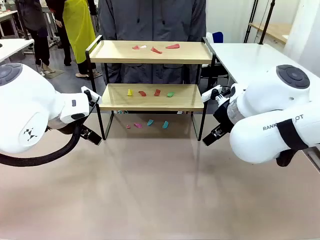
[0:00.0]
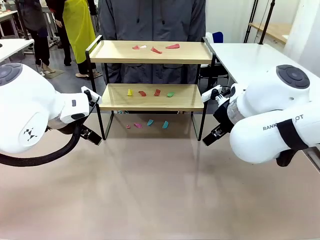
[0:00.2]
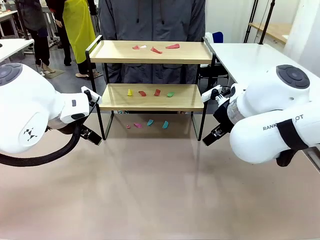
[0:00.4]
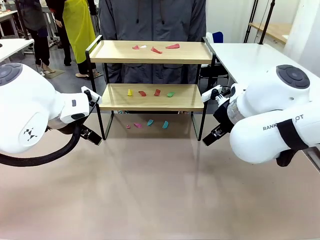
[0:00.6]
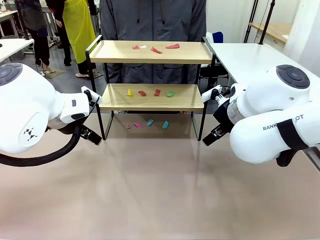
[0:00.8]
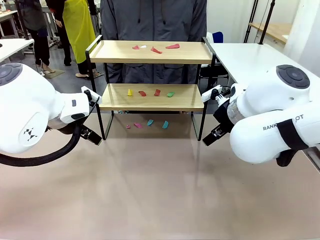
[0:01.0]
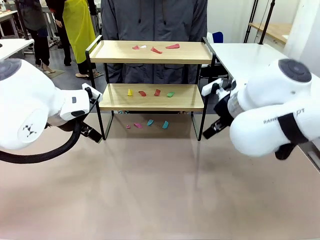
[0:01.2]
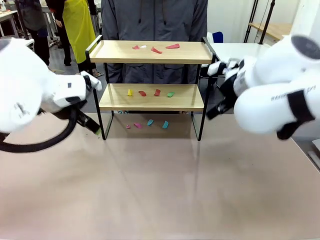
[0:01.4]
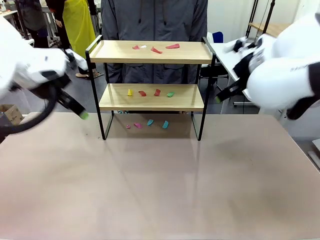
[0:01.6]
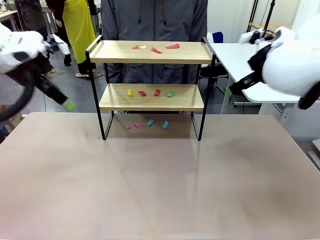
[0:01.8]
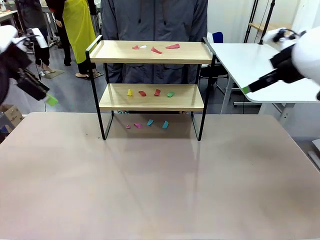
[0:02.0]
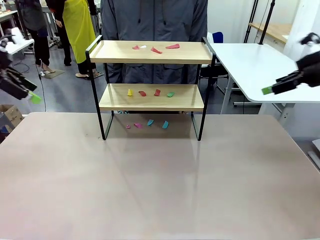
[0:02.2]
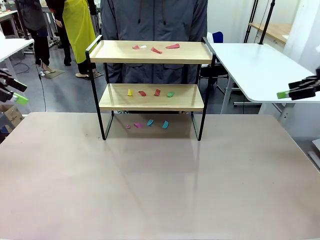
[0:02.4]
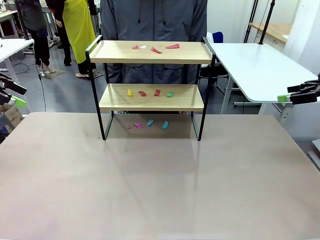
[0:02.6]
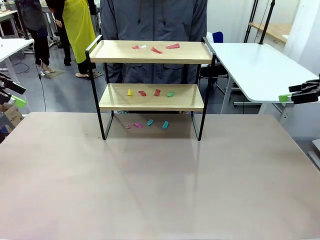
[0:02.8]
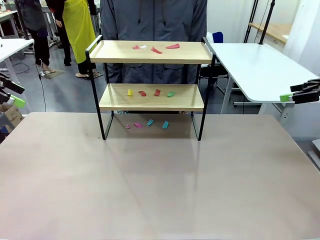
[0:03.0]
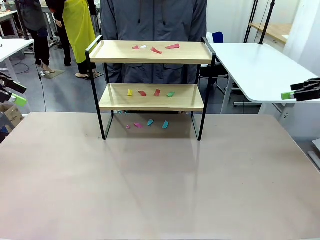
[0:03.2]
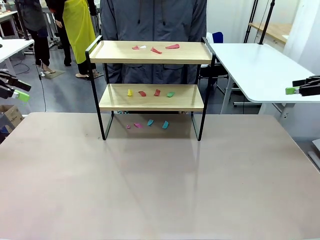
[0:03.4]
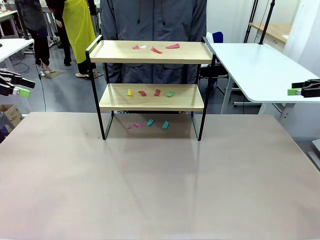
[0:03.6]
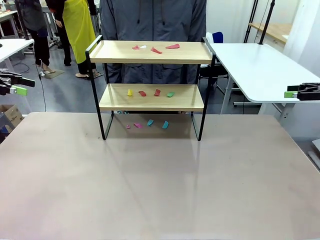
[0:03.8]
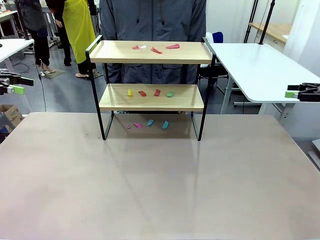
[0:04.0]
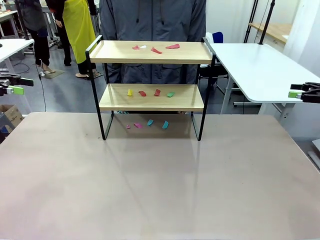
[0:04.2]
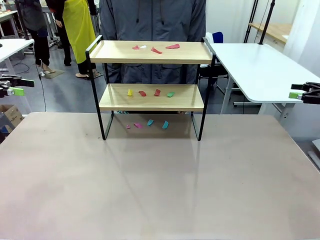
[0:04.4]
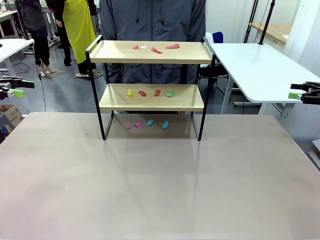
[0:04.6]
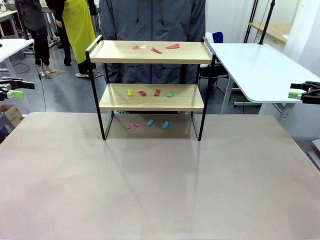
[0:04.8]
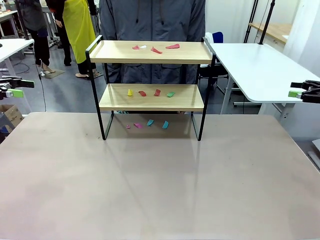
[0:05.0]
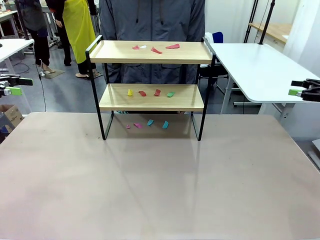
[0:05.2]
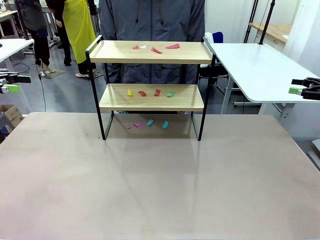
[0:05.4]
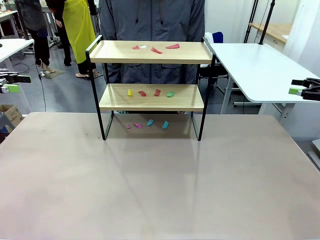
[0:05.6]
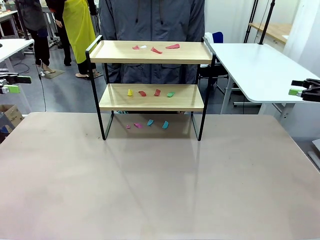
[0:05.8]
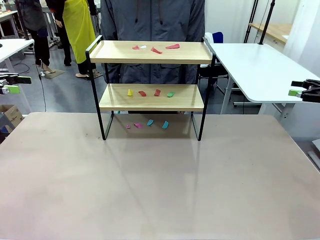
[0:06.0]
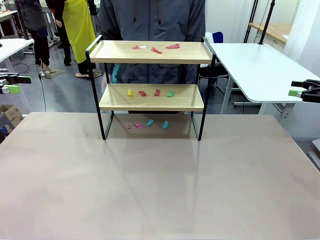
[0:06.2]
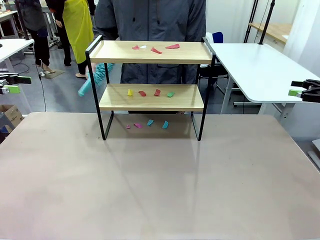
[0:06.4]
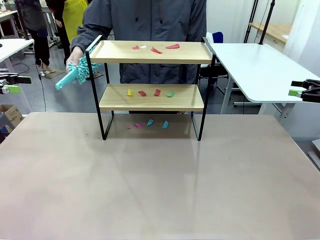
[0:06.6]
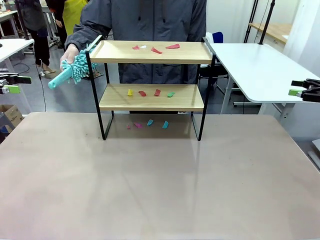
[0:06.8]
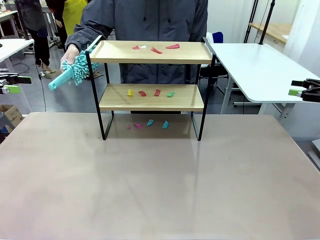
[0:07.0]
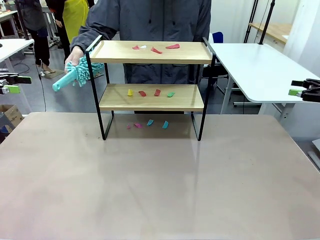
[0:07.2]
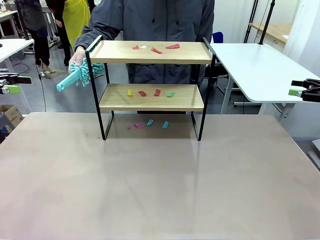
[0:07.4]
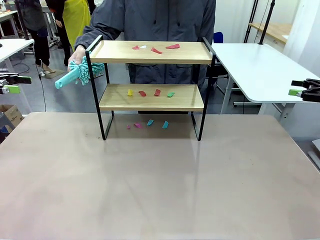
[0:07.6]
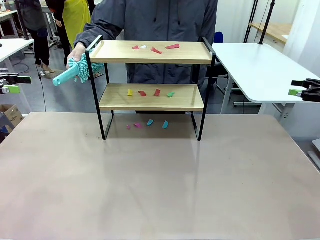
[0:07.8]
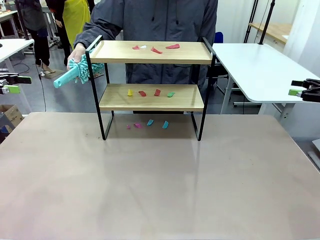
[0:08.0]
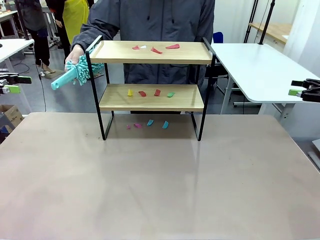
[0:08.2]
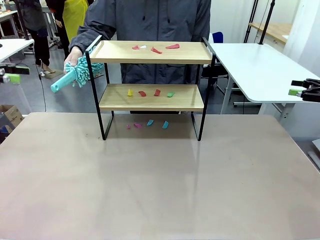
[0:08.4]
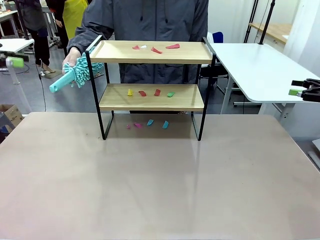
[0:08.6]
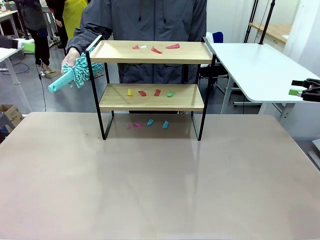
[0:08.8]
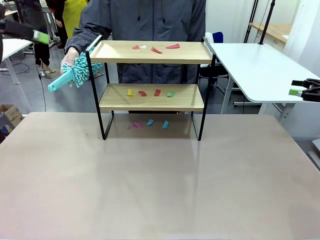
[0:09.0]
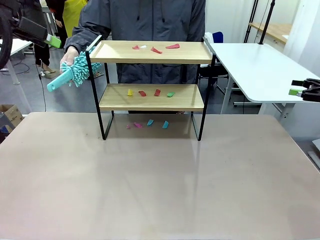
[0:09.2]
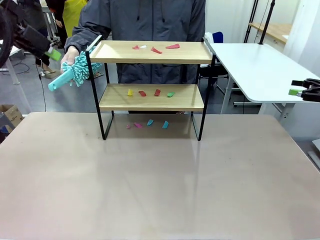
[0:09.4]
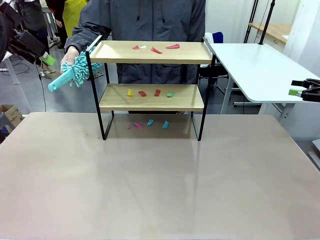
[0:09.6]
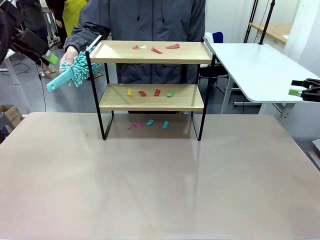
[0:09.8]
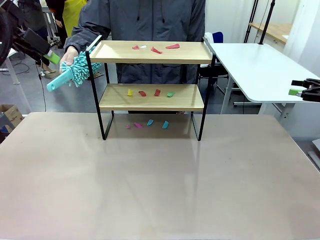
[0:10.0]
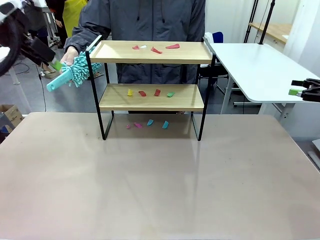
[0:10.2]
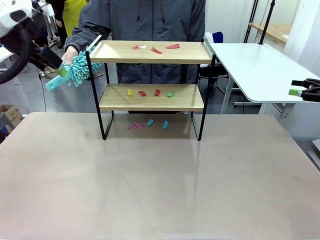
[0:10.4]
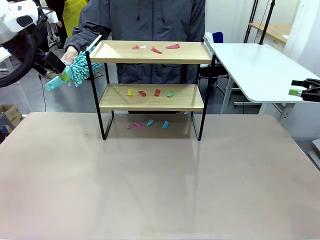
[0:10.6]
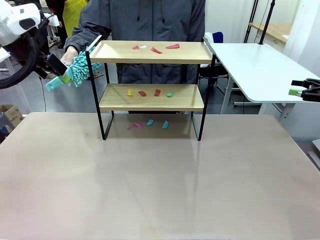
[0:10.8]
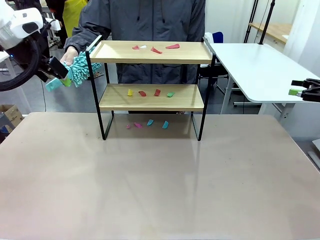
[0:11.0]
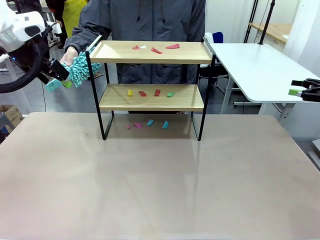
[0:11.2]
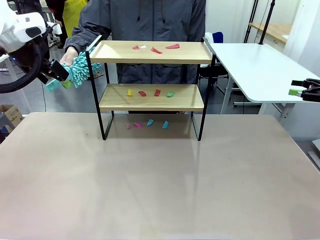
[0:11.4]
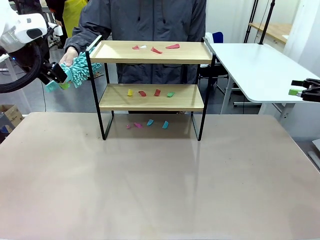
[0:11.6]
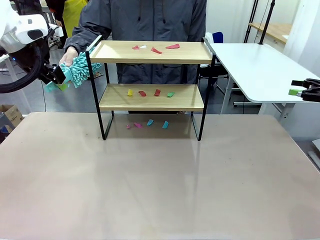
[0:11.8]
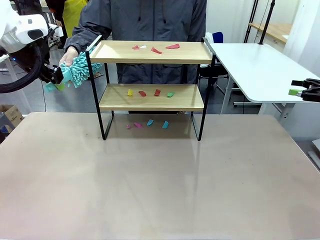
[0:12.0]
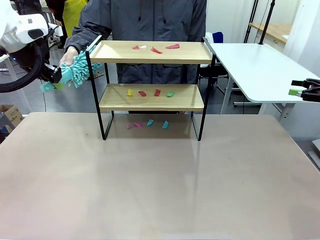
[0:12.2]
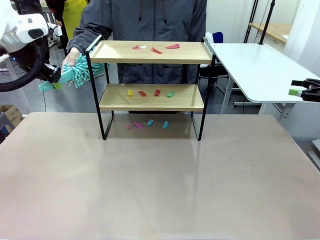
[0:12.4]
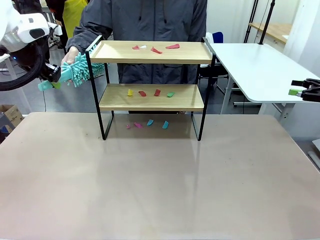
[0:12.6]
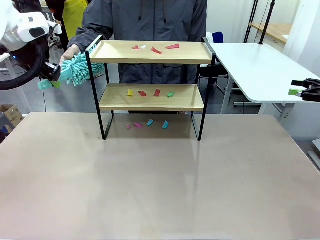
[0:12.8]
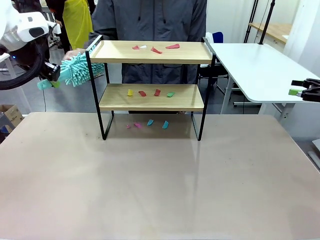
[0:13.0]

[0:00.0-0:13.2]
Task: Clean the shelf.
Robot: Pick up the Duster handed by the human.
Person: Hand the Duster to the robot.

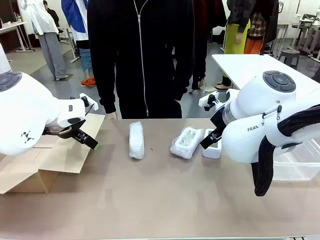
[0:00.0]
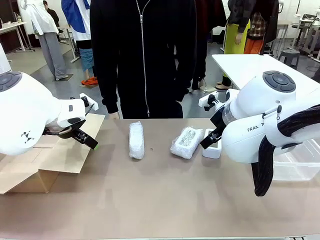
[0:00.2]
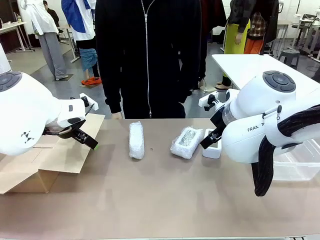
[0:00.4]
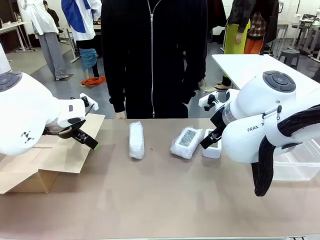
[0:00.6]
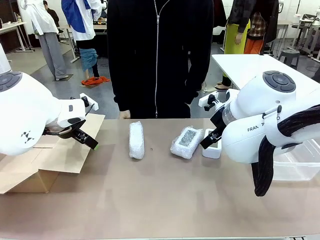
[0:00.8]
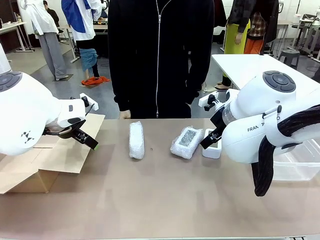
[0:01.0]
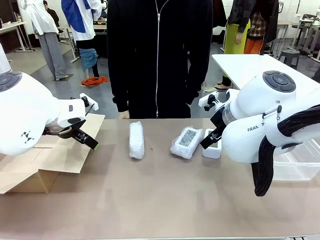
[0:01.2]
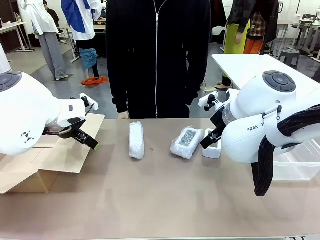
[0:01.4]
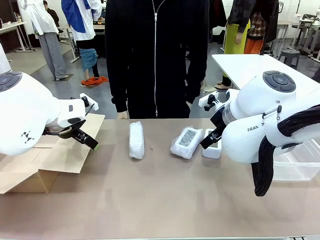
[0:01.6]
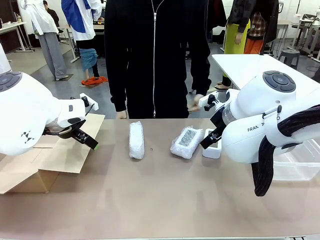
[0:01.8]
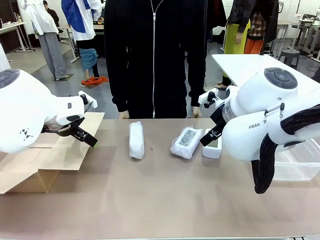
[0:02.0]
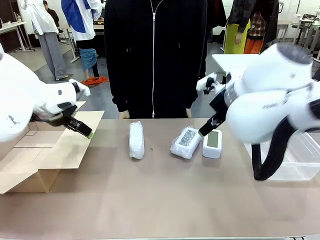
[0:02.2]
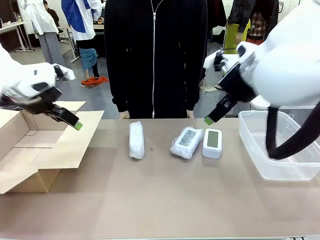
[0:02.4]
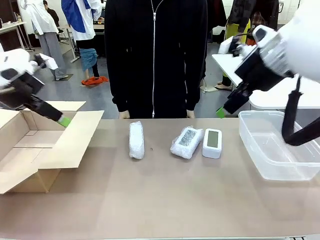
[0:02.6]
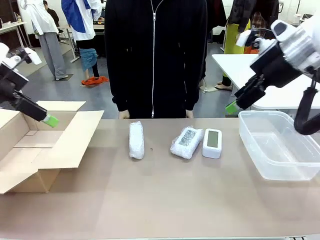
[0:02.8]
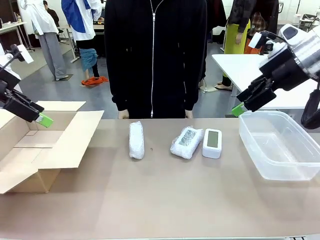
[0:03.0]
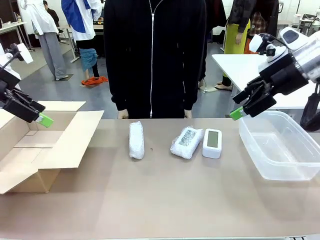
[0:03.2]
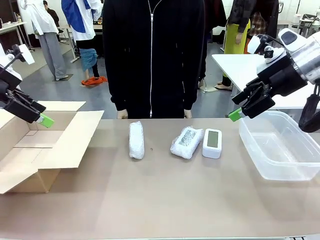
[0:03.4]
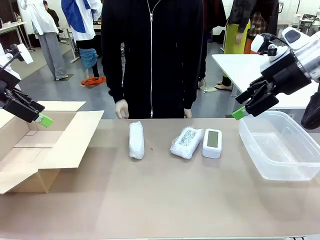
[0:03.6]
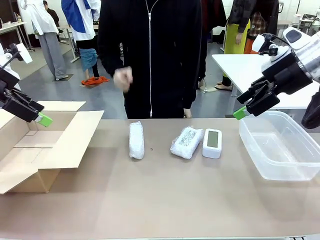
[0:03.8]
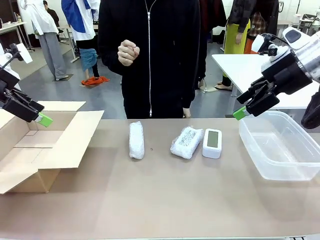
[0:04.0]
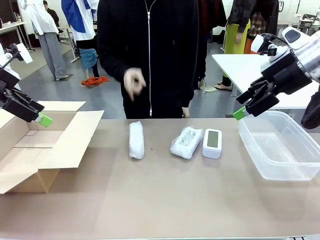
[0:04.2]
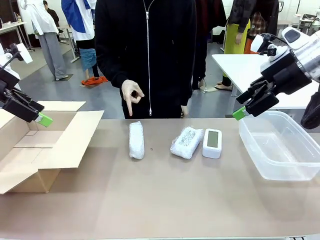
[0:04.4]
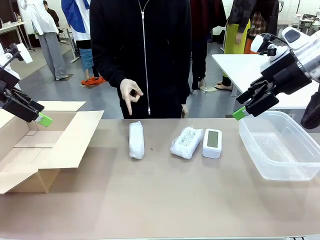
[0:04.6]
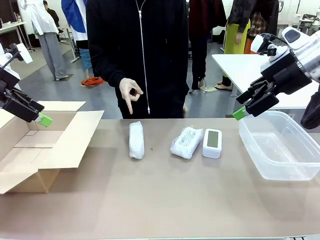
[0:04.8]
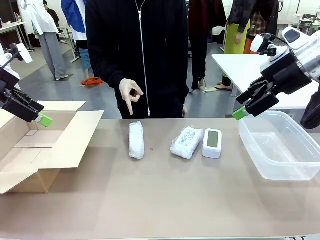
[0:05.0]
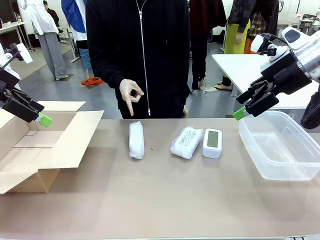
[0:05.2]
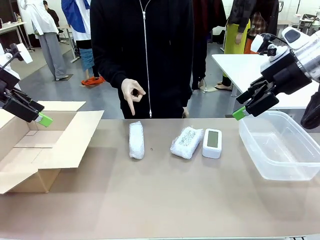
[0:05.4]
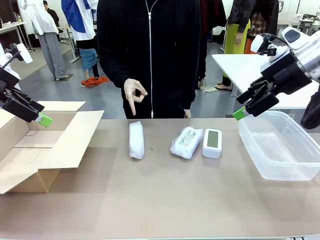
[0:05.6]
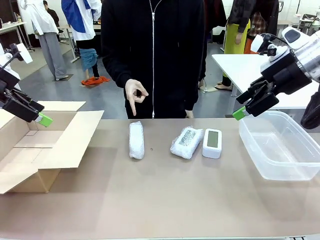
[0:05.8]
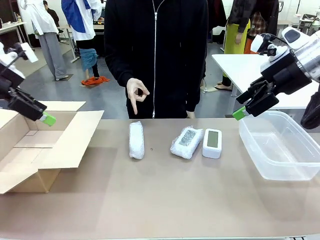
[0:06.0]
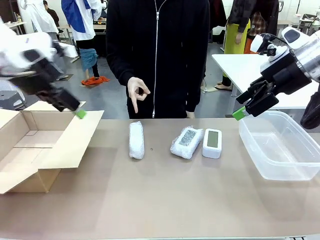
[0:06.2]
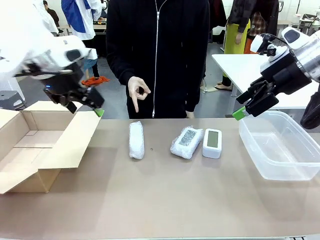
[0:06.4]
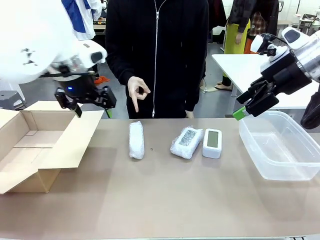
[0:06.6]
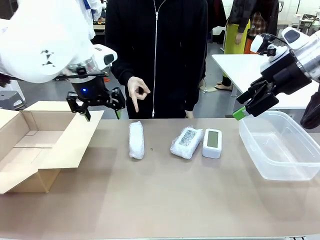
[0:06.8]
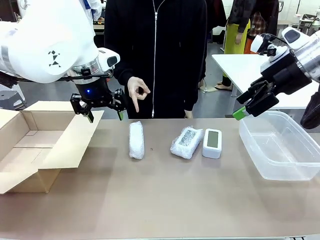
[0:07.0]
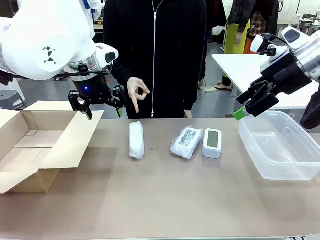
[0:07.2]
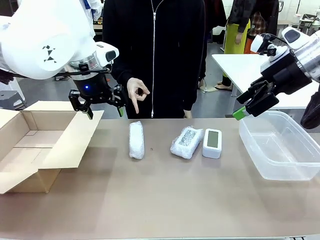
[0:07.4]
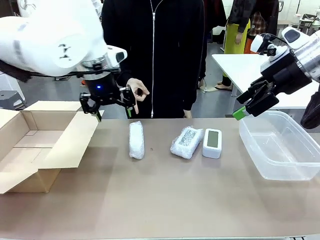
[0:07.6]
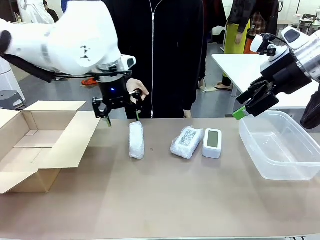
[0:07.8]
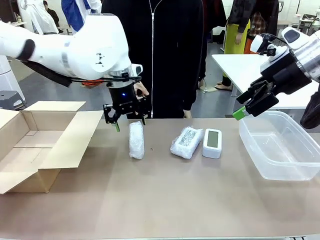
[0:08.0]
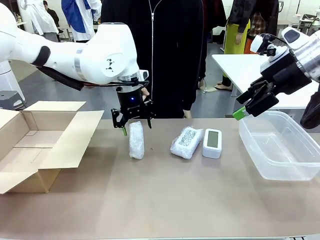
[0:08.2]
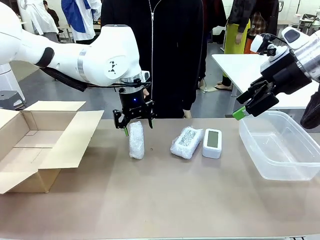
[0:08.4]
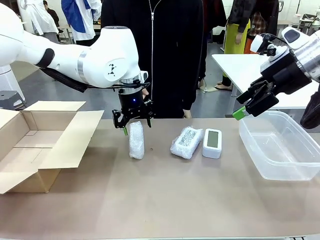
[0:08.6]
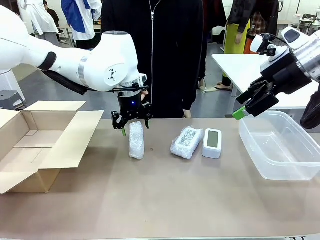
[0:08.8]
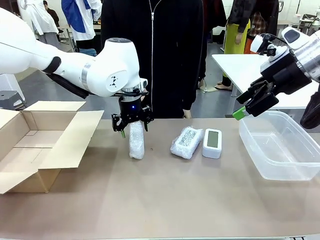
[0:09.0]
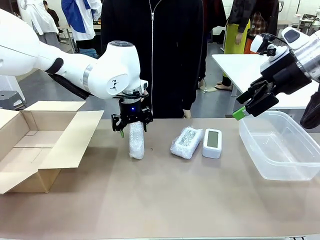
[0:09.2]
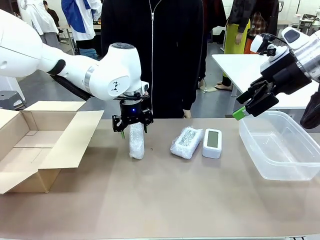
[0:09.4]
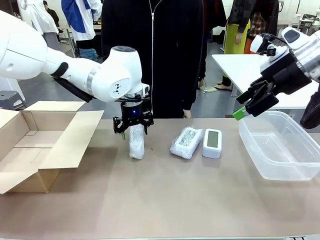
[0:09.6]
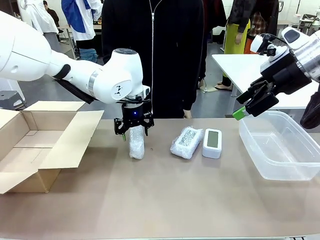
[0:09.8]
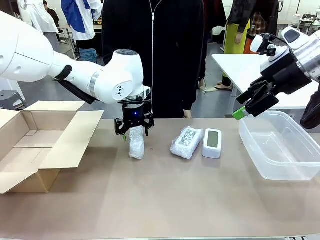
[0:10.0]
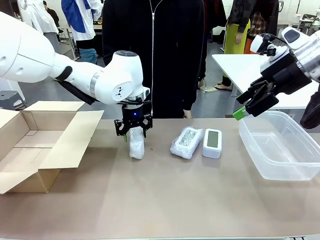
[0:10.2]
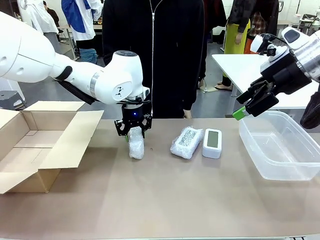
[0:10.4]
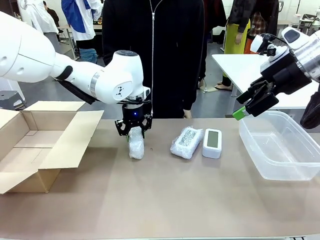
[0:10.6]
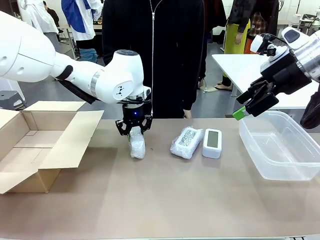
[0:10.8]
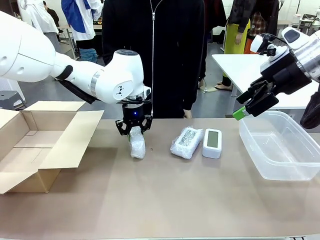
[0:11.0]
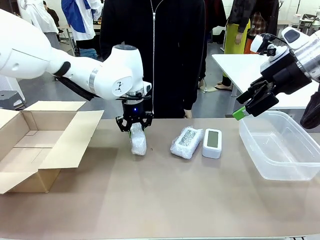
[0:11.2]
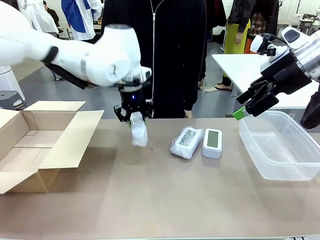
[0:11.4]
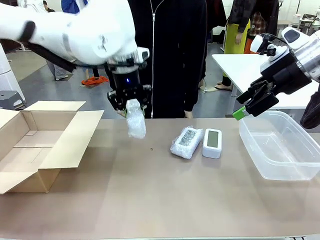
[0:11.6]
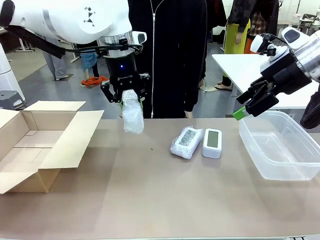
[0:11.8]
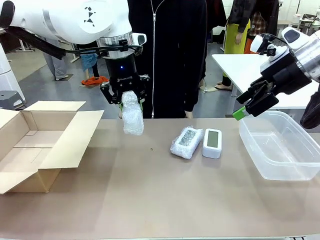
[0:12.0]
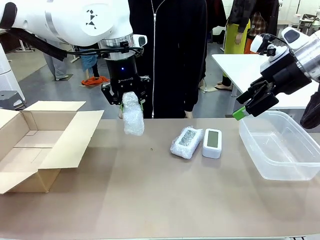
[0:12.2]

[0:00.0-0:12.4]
Task: Separate and place wrapped and unwrapped clocks.
Robot: Pick up the Digital clock indicated by the person.
